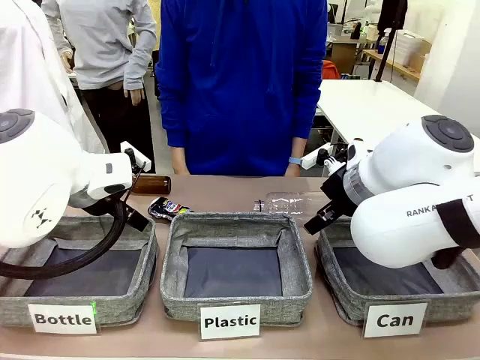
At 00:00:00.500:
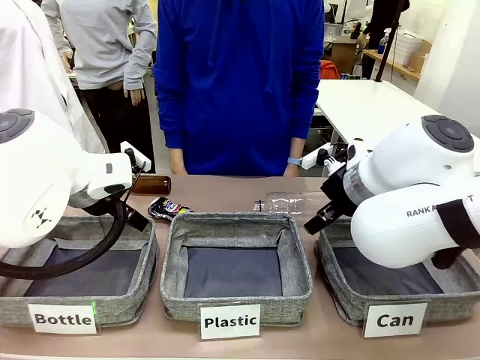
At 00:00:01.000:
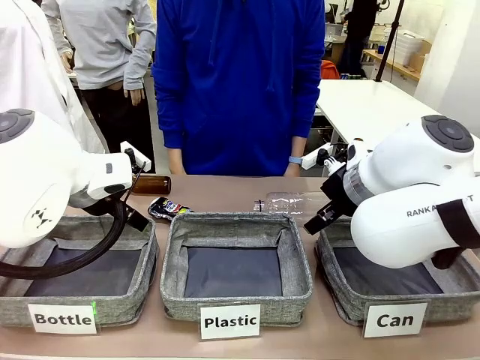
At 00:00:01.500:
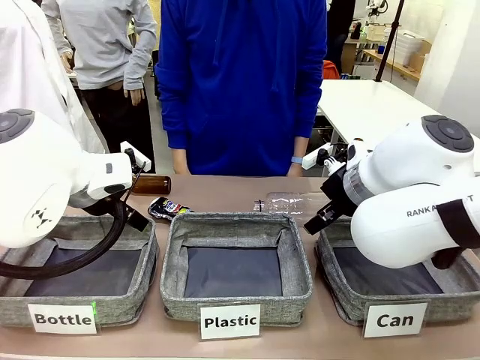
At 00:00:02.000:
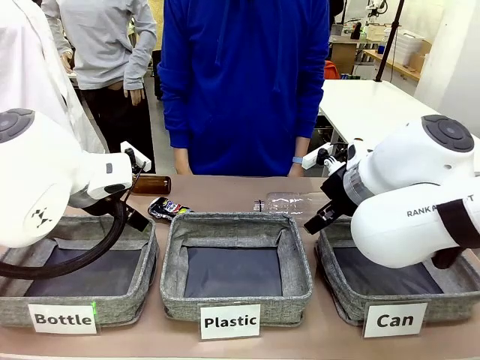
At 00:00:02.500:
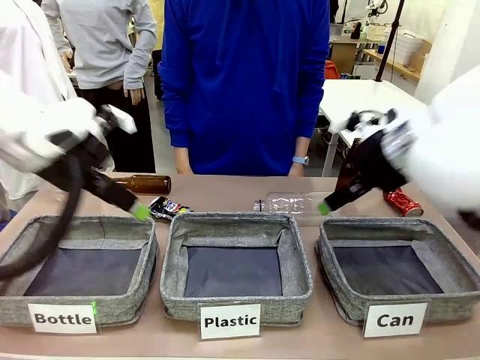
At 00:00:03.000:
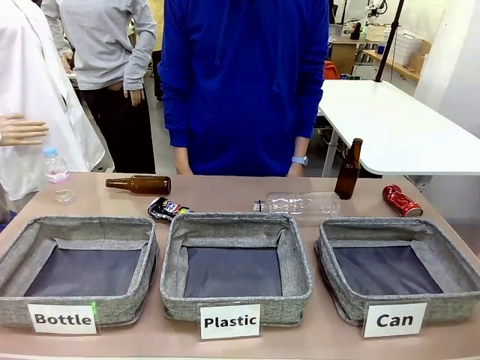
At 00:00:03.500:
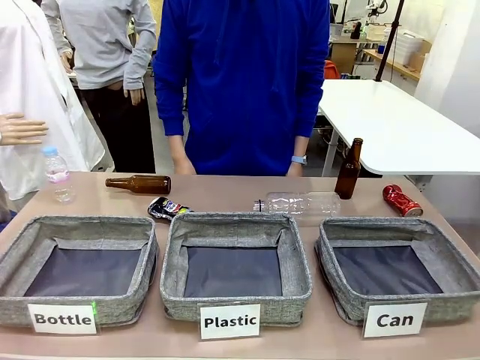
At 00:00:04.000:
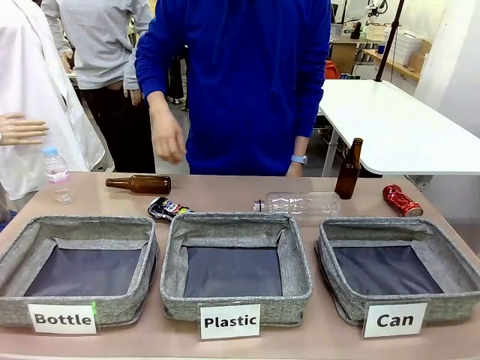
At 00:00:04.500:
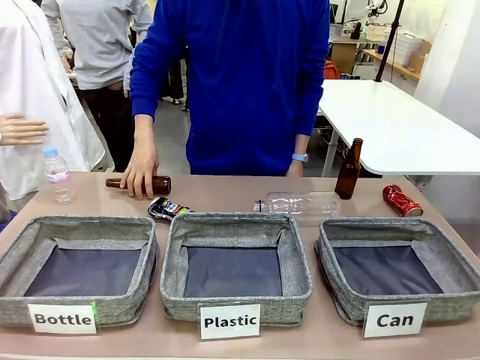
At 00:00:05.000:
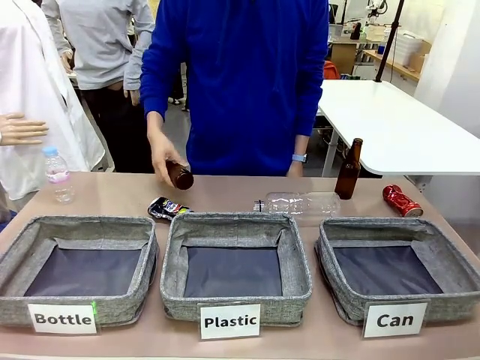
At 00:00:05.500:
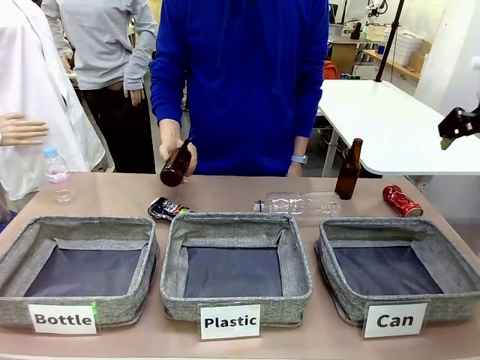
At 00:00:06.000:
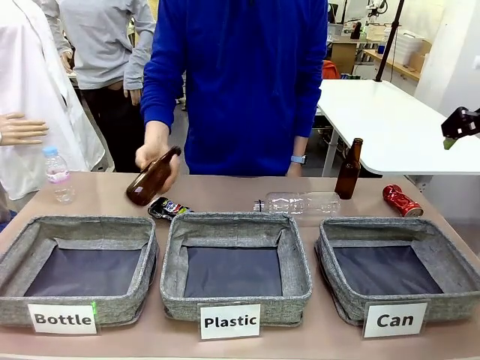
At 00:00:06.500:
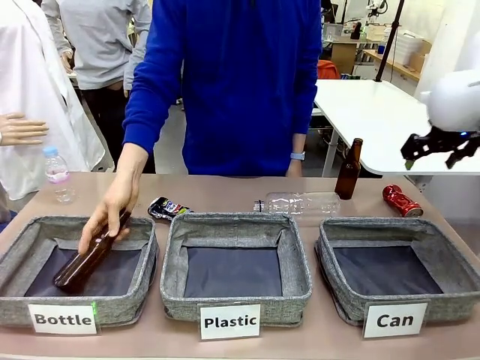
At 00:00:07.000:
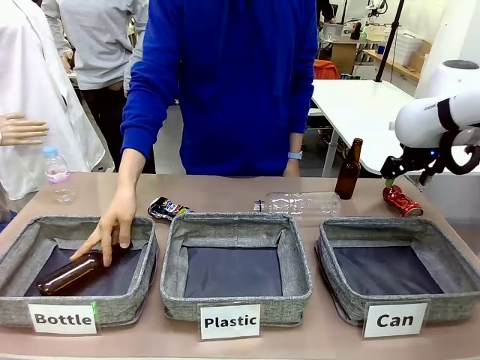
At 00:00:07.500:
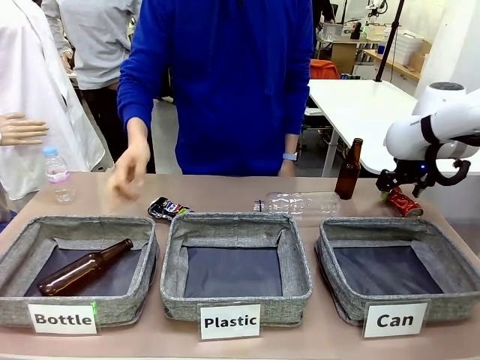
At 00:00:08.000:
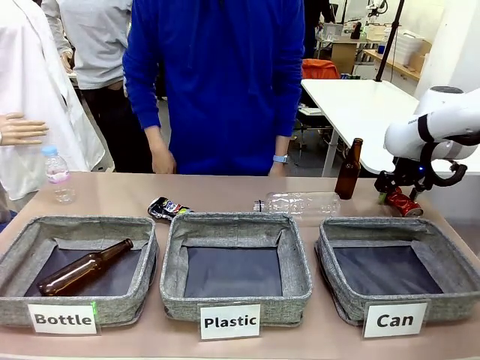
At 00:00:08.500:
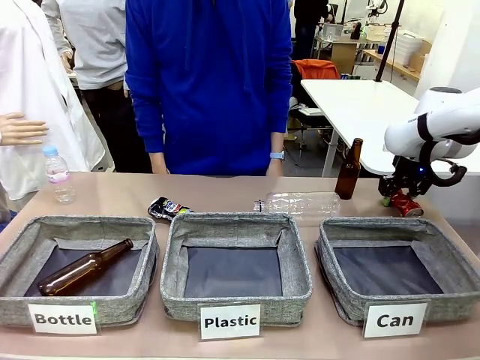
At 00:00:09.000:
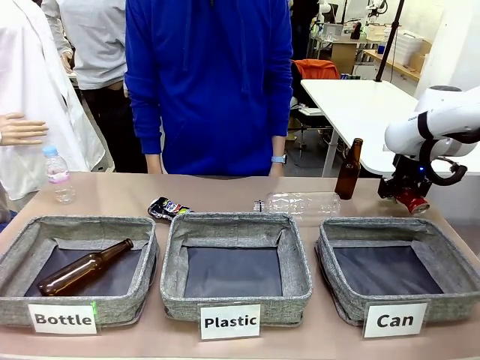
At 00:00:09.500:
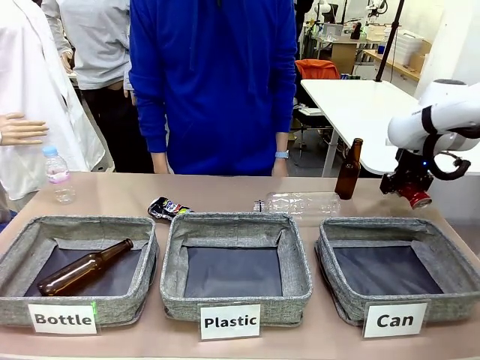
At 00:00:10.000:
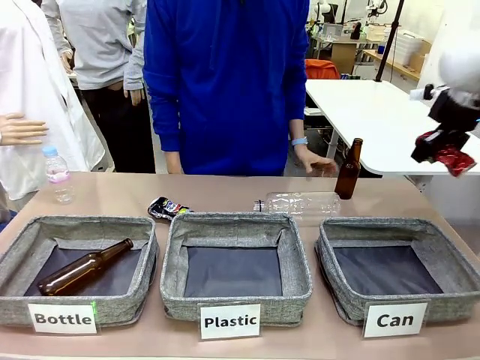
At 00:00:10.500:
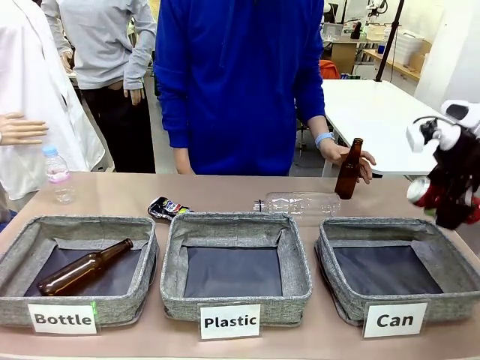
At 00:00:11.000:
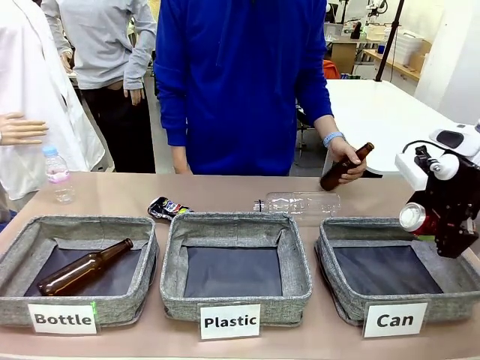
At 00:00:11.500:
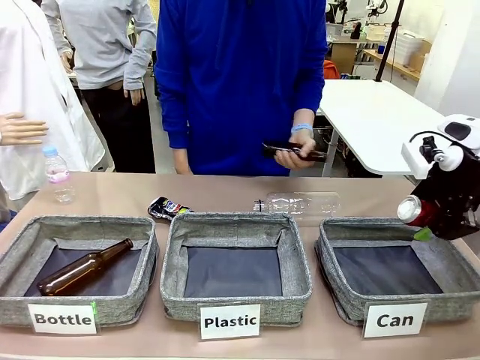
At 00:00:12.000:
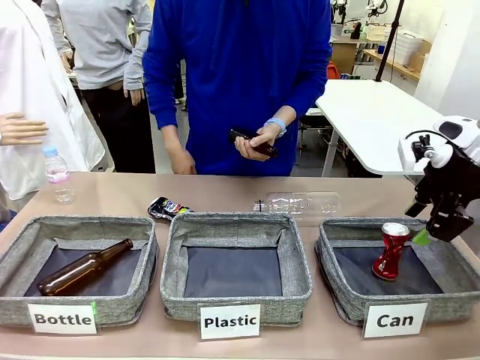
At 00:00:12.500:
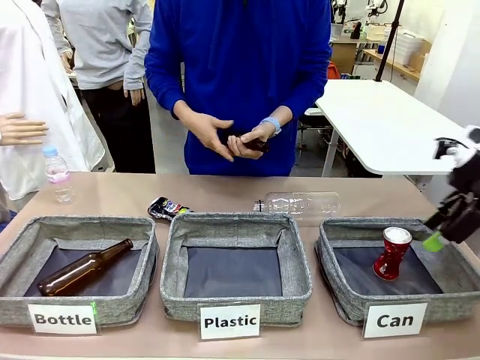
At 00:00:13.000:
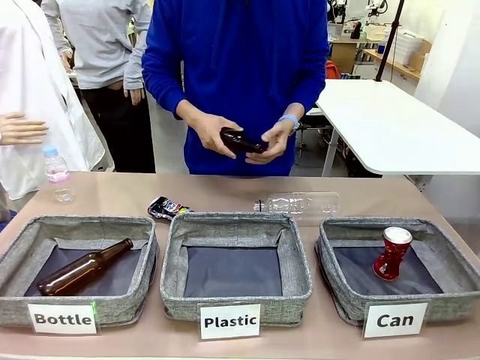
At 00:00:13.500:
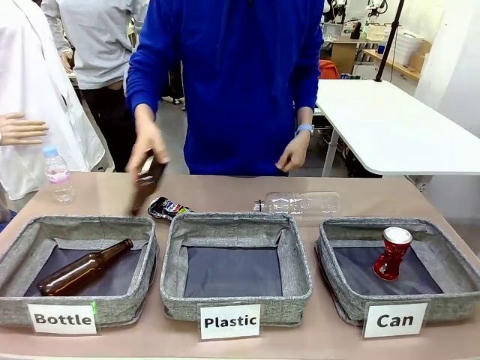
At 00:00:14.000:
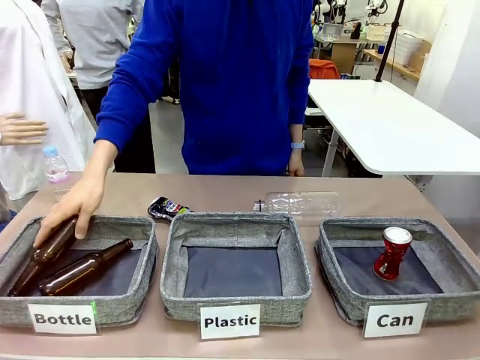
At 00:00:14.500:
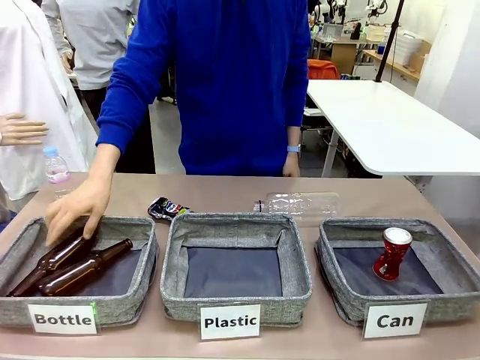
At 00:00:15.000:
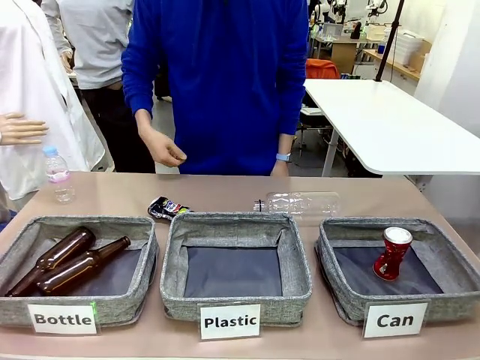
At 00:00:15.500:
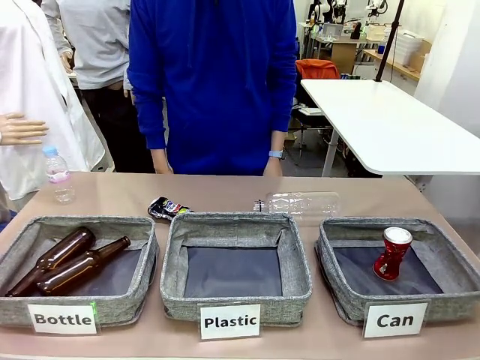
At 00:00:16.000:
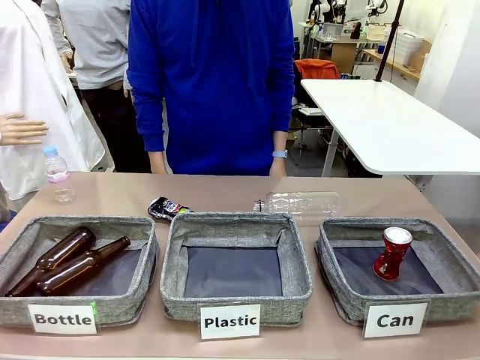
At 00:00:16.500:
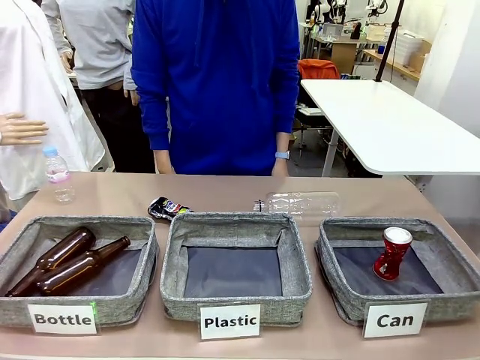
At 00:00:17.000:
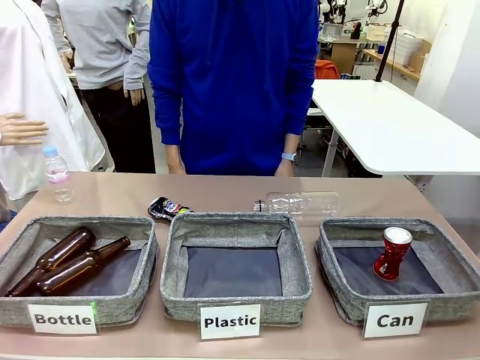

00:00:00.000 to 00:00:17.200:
Task: Sort the can waste into the basket.
Robot: Pick up the can waste from the table and place it in the right Fabric basket.
